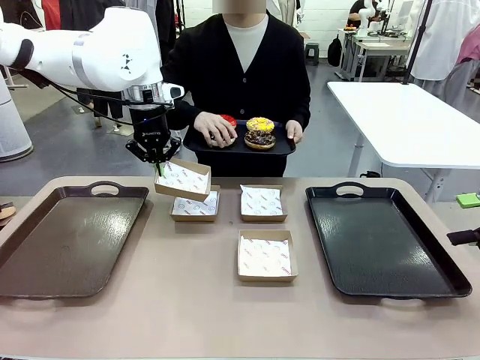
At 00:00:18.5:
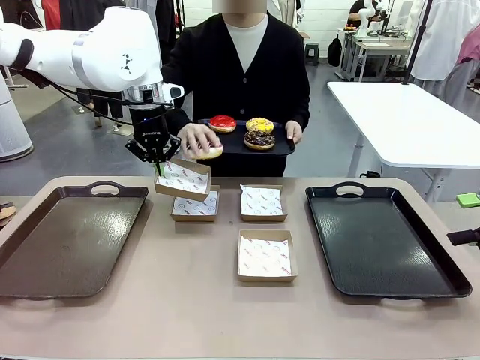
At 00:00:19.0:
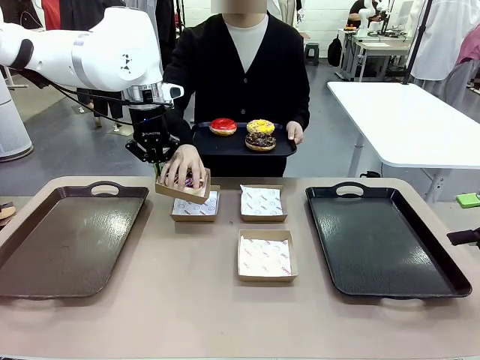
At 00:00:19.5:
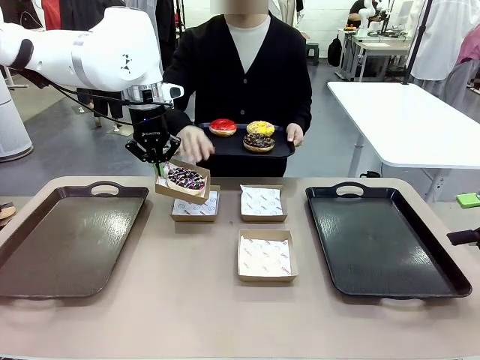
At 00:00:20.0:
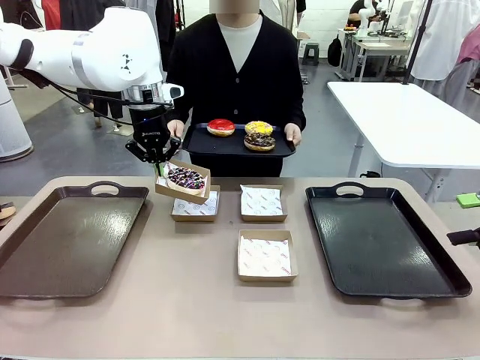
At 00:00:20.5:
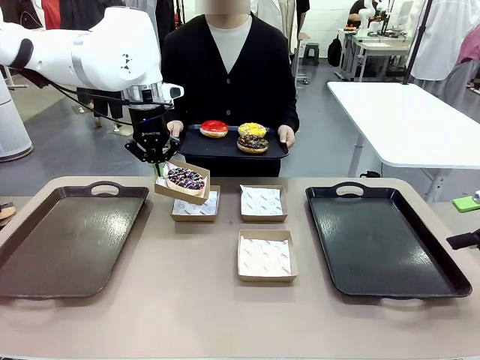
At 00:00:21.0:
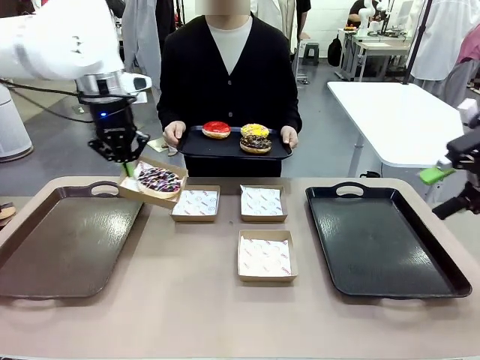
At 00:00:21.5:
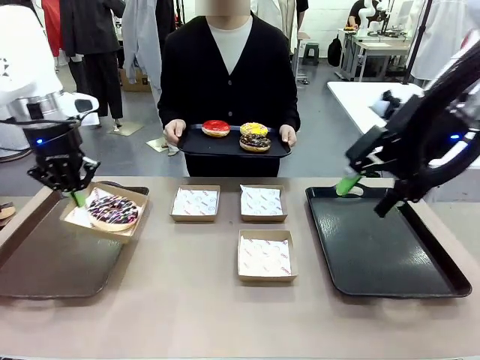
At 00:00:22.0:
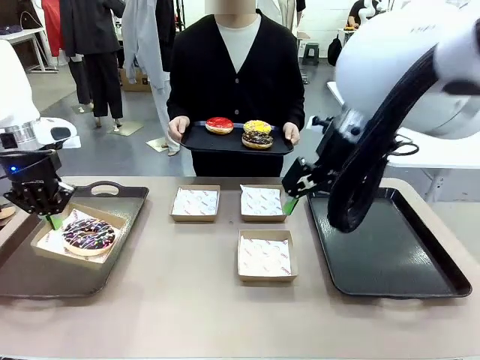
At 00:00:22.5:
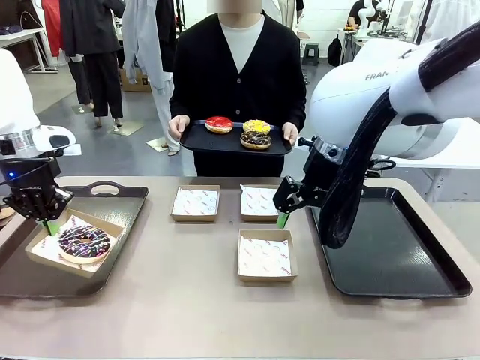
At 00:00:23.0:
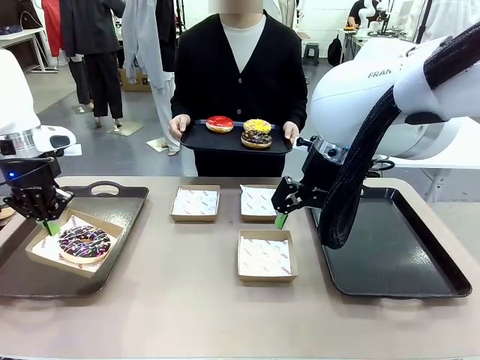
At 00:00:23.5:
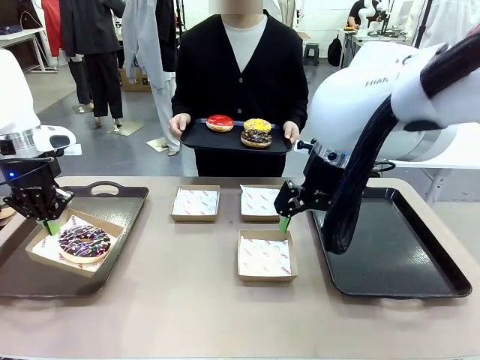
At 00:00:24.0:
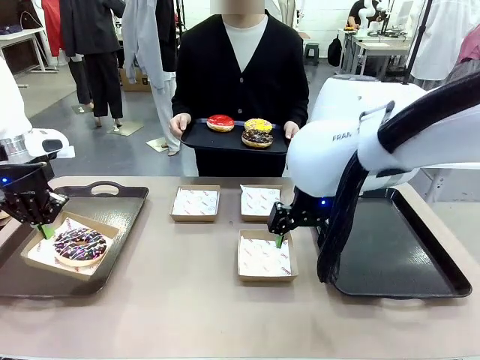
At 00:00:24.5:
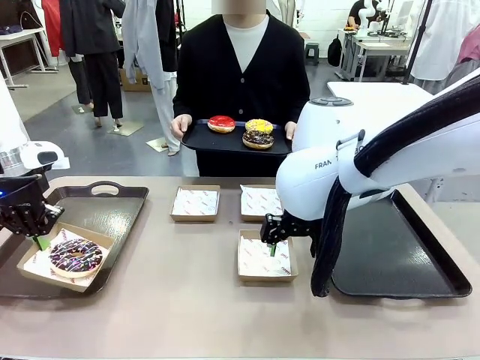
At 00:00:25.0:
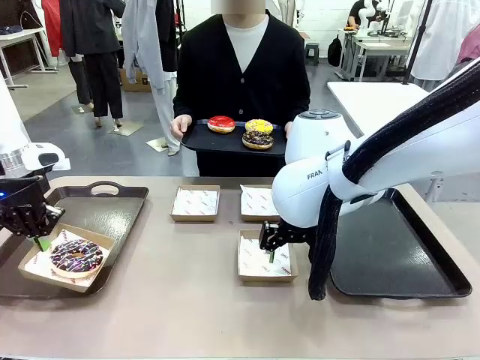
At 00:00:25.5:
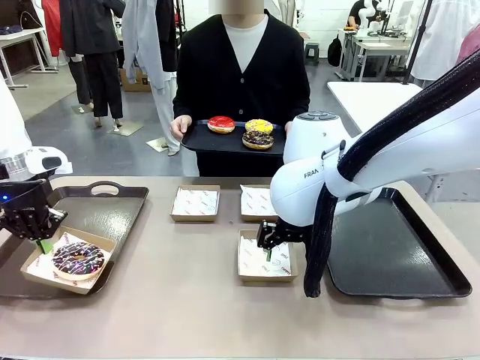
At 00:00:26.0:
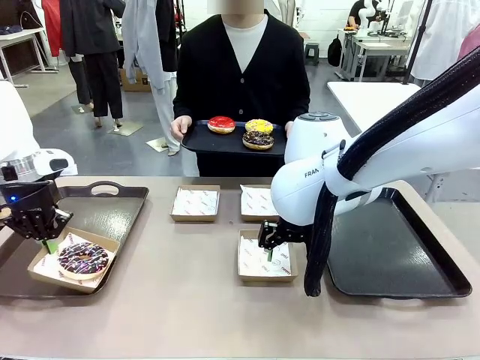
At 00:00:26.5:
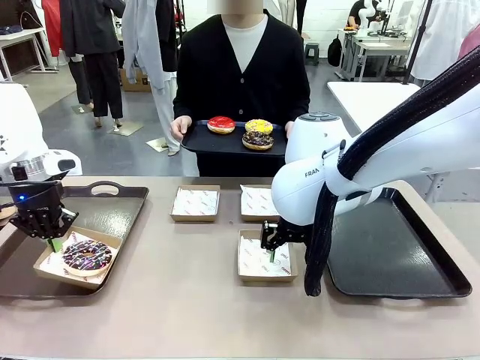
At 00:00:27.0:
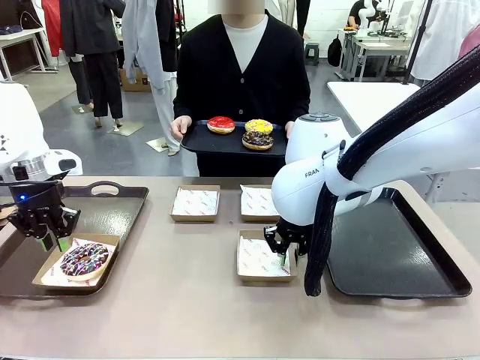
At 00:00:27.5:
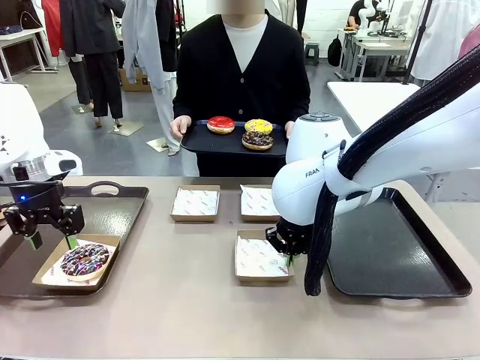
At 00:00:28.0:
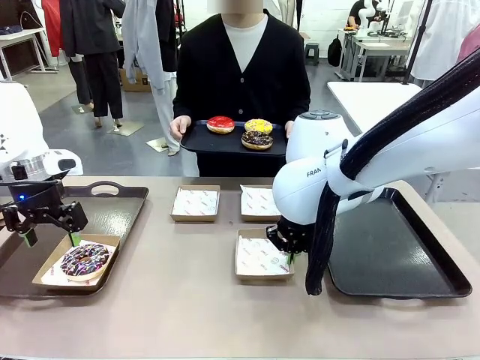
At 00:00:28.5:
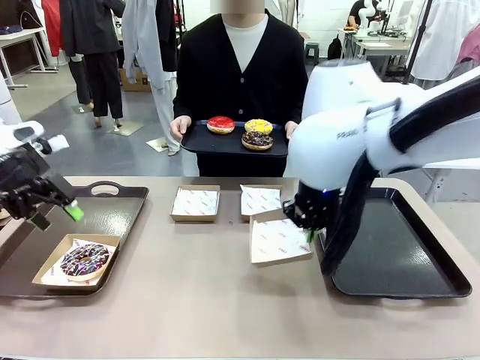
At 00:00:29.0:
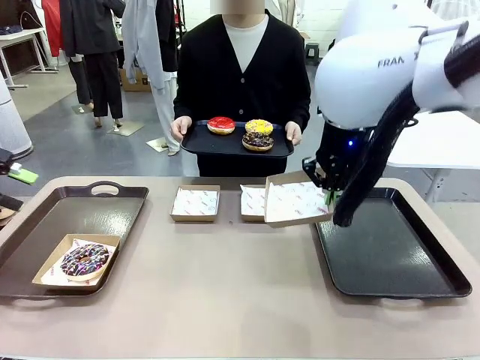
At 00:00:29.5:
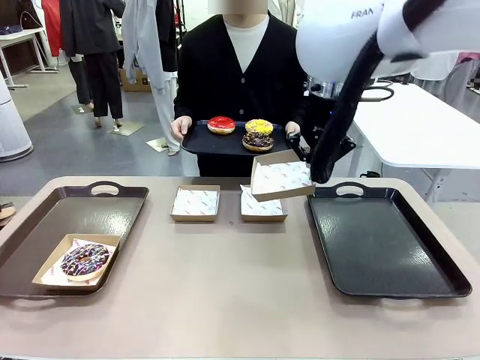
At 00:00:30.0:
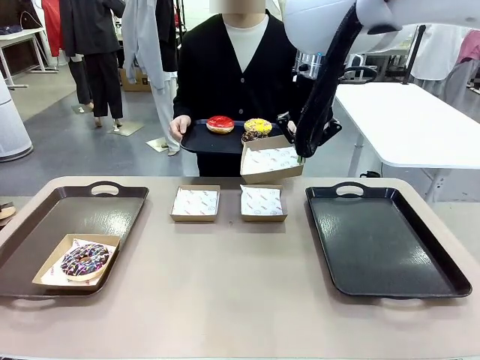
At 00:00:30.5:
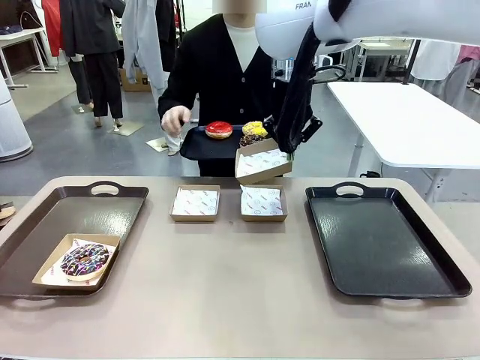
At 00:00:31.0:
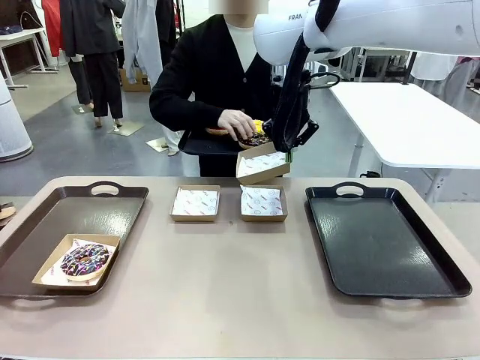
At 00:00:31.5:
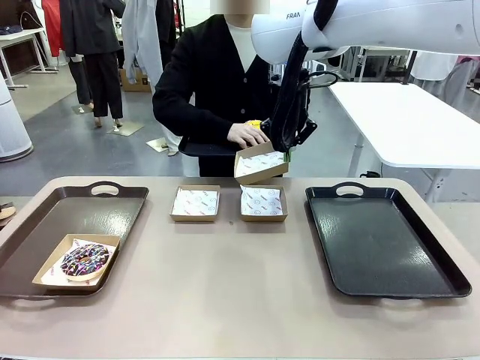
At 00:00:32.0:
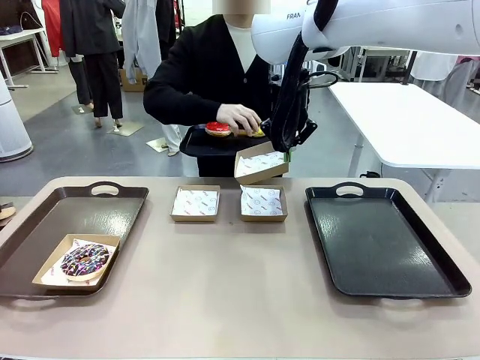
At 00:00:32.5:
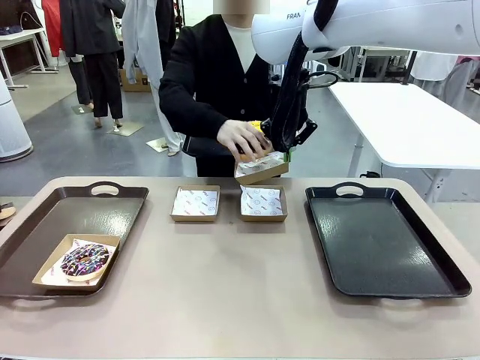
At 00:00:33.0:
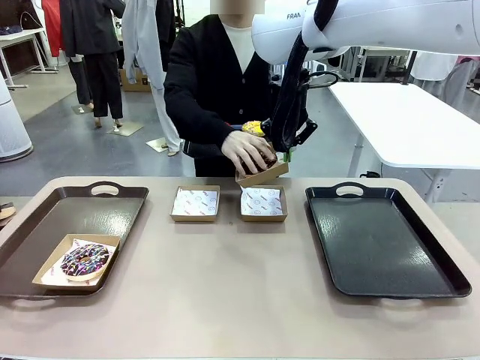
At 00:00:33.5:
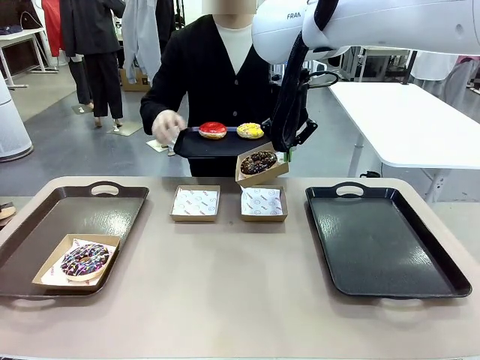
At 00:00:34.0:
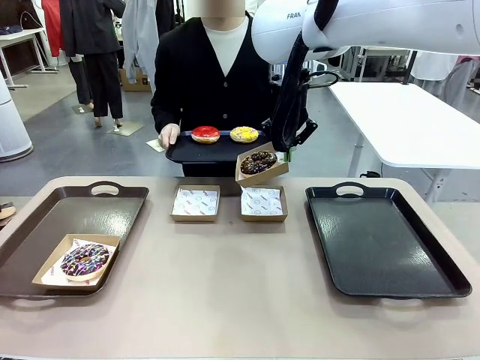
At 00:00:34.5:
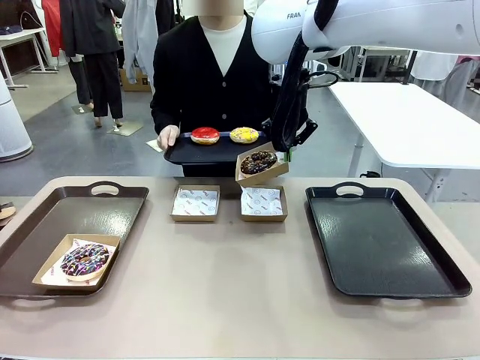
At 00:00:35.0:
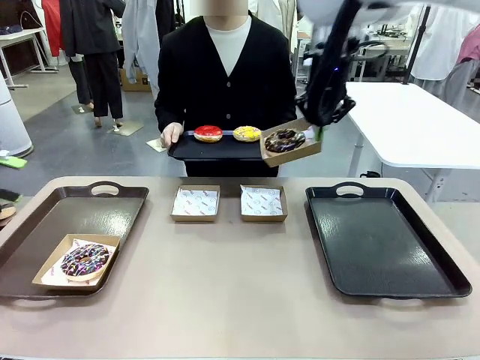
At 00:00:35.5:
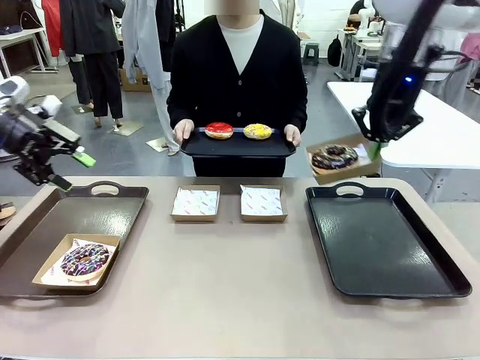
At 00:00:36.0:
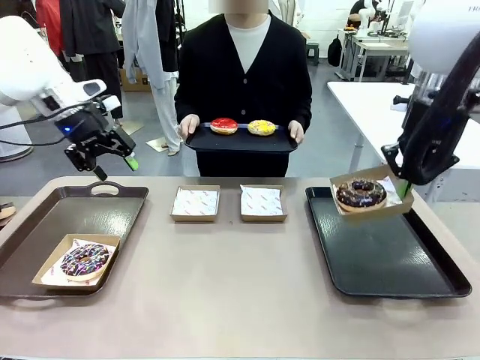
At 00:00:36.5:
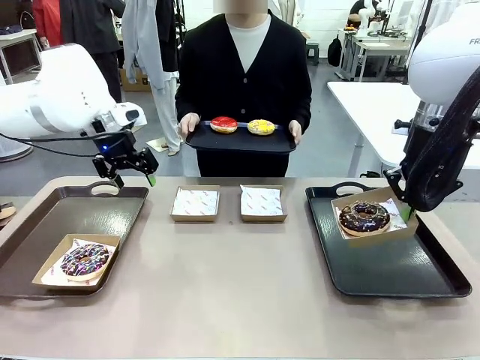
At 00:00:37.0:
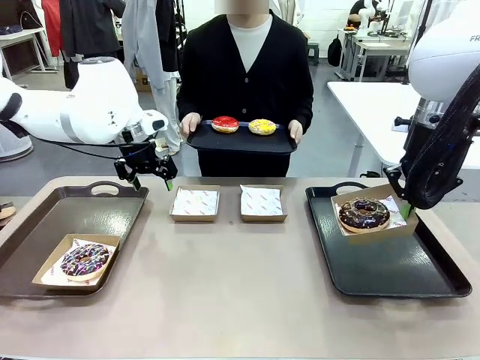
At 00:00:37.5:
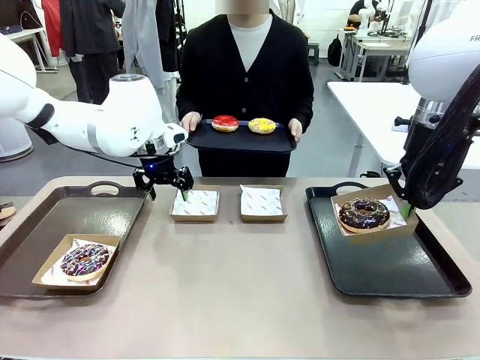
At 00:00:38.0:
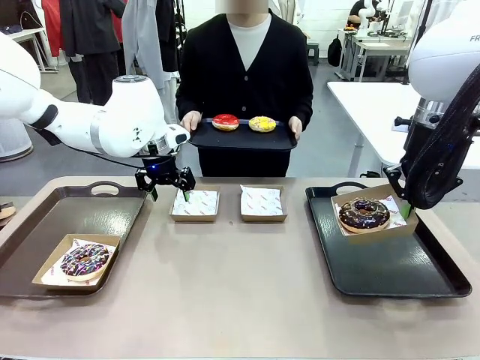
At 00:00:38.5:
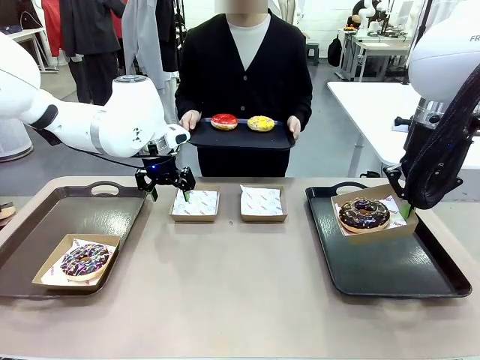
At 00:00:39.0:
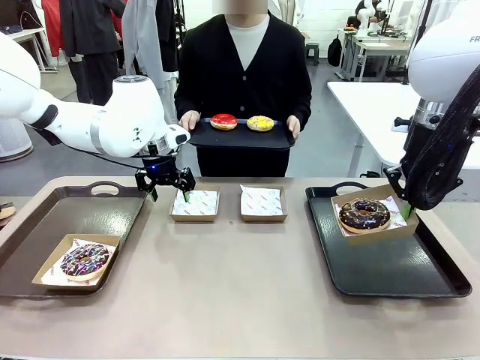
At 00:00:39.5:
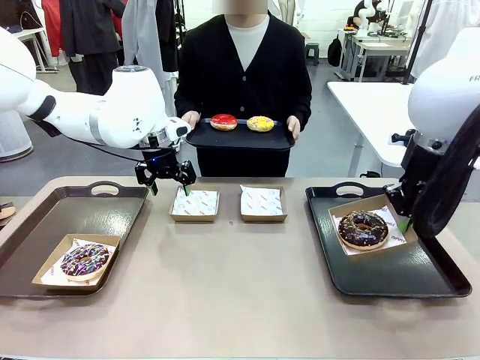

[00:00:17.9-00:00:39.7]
Task: Individually package the donuts and arrange them on the tray.
Robot: Place the picked Paper togo box on the Handle tray while simultaneously picking up another Paper togo box from the table with the other hand.
